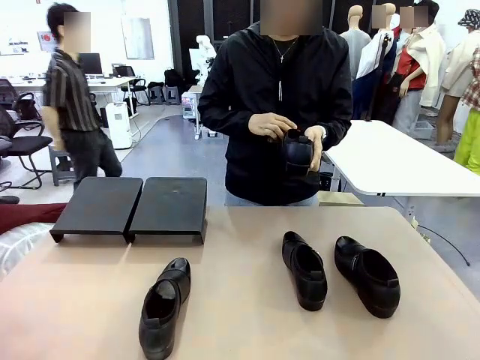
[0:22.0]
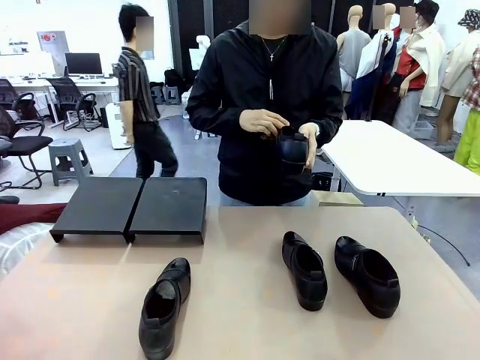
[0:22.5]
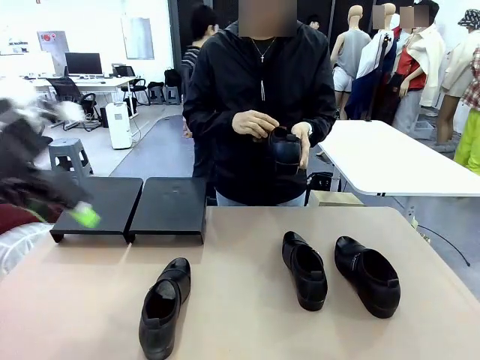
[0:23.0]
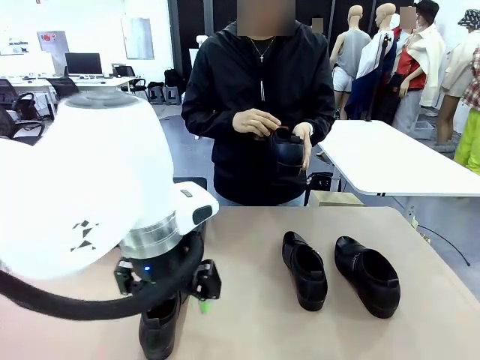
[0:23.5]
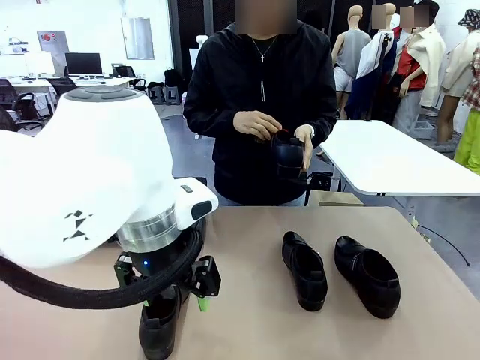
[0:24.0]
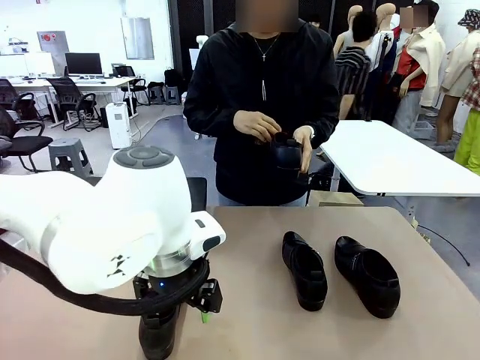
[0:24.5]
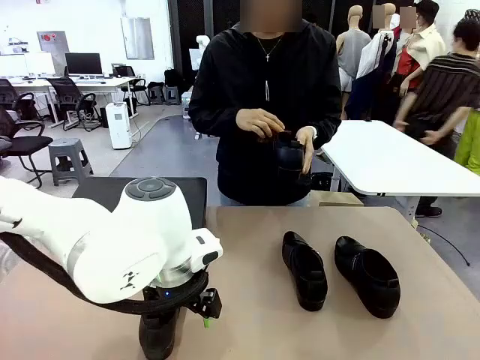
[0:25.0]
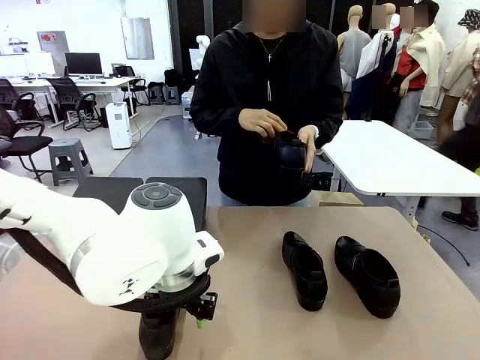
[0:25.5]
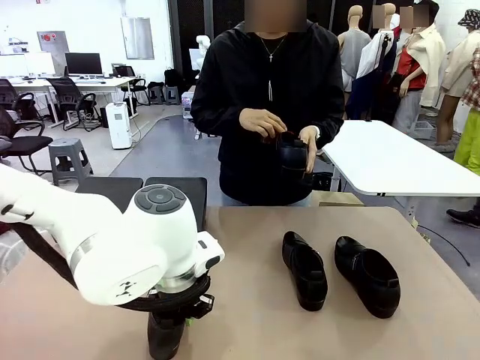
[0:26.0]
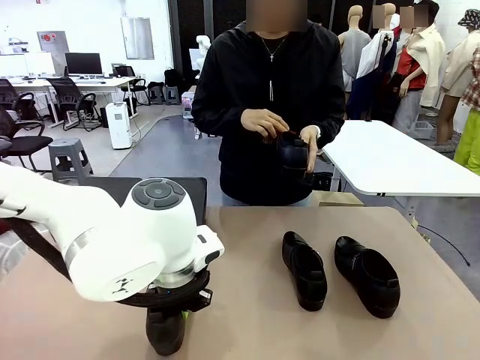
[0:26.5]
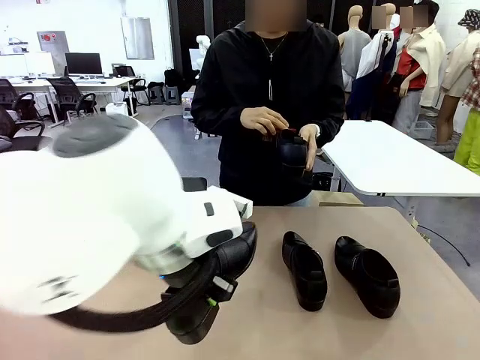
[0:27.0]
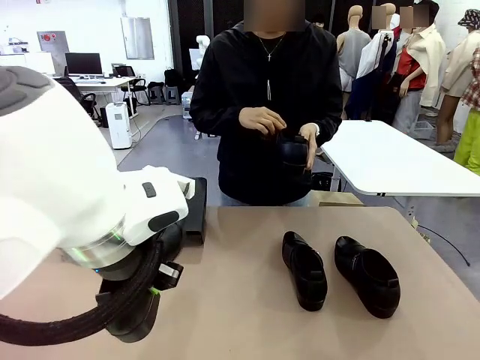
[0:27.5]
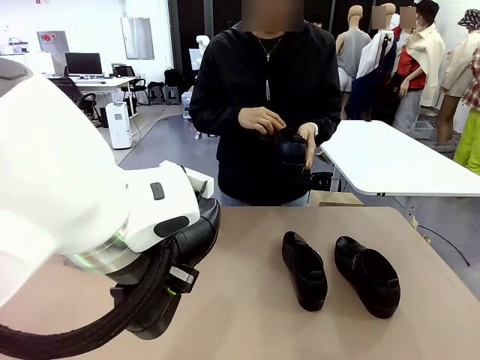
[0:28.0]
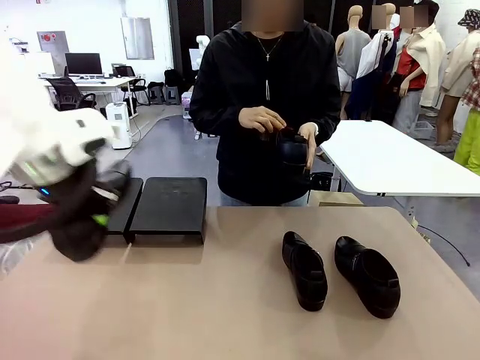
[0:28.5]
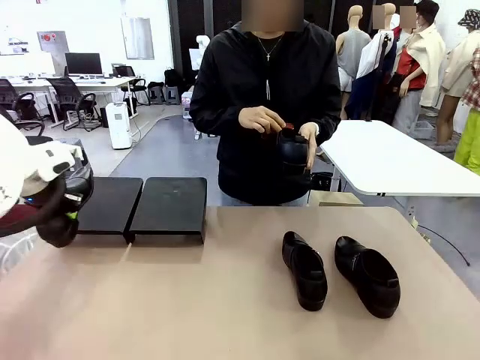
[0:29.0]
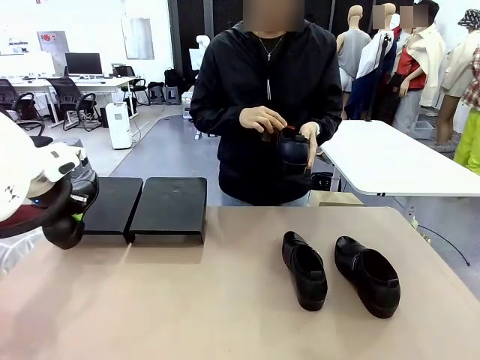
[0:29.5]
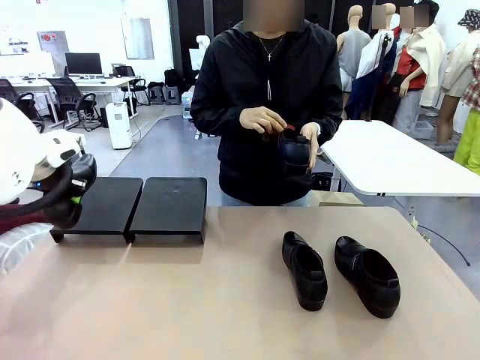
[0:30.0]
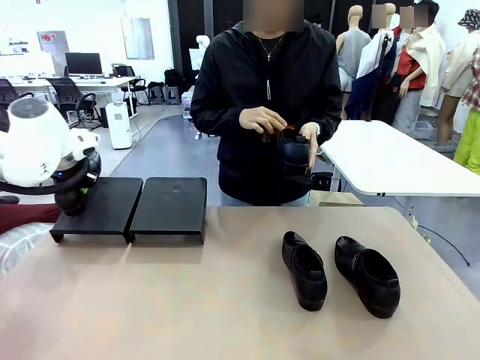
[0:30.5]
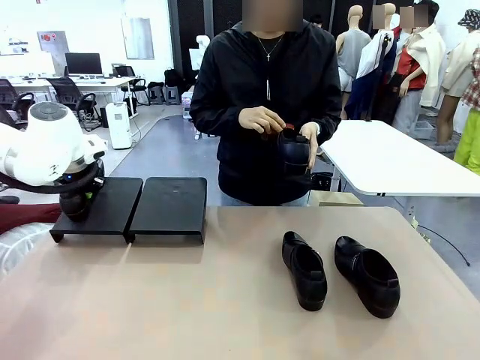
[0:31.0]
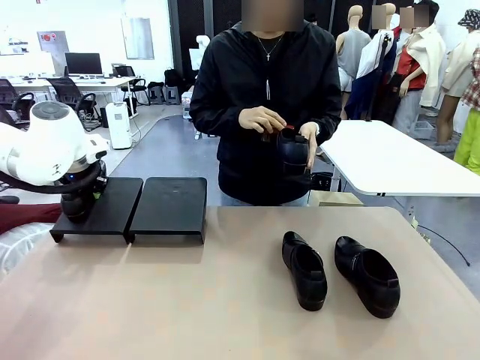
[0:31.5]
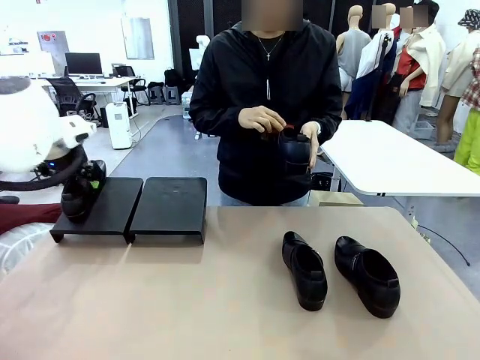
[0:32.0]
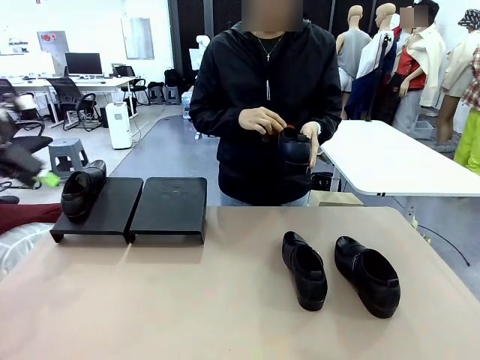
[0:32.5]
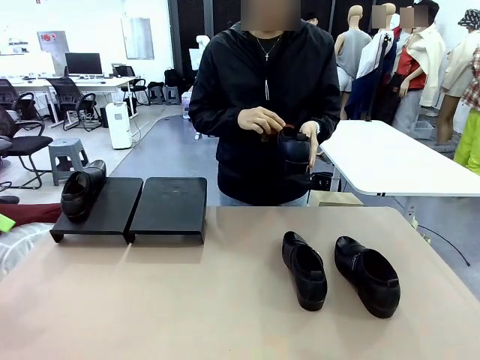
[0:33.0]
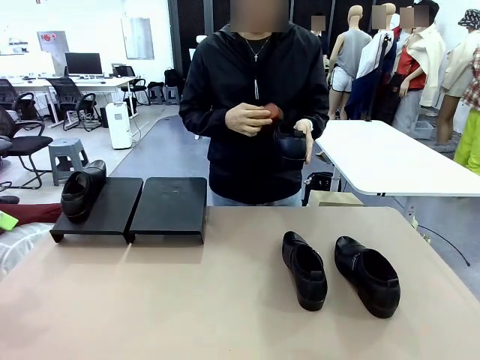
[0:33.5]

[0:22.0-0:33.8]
Task: Organize the shoes by placing them on the stand.
Robot: Place the Shoe from the middle of the table onto the Shoes Stand.
Person: Clean the Shoe with the Shoe Brush.

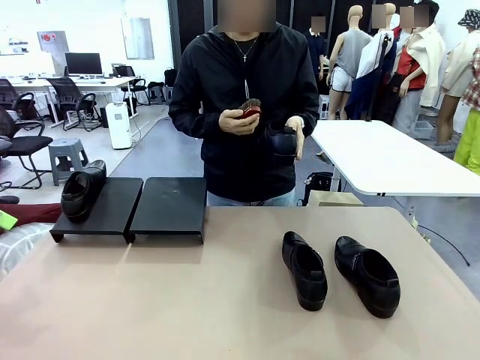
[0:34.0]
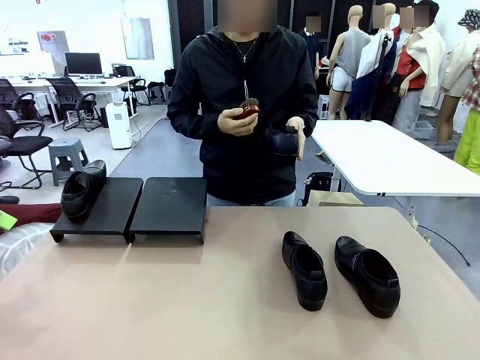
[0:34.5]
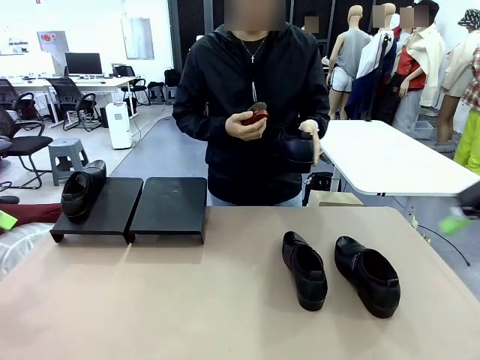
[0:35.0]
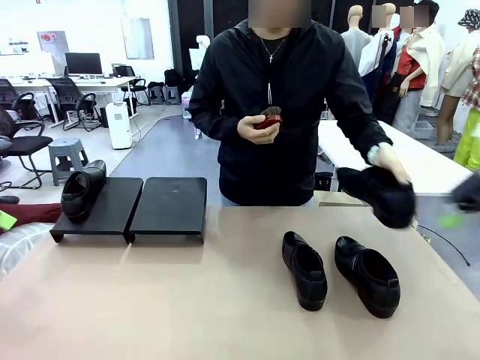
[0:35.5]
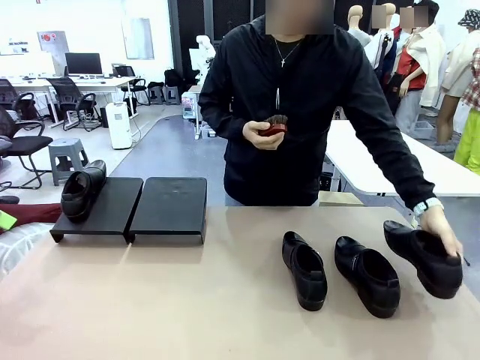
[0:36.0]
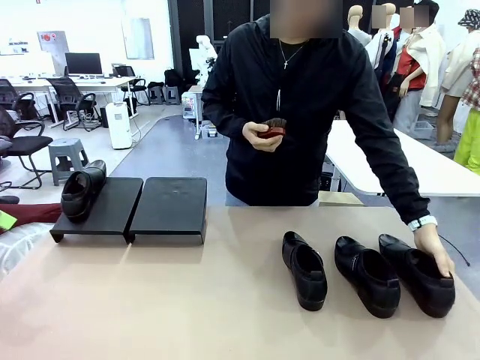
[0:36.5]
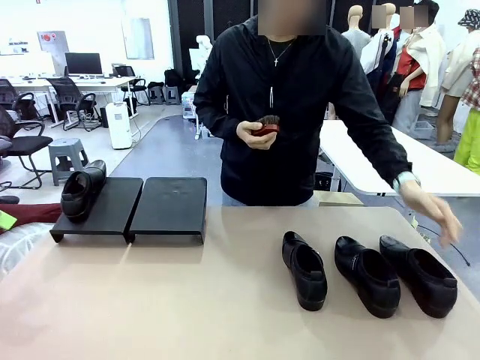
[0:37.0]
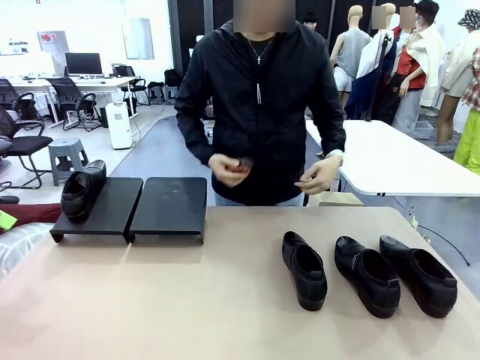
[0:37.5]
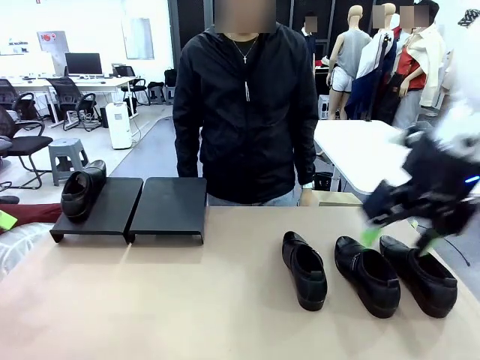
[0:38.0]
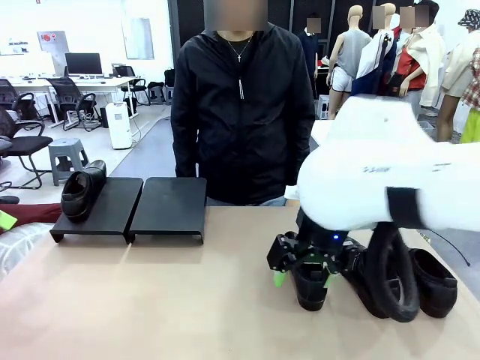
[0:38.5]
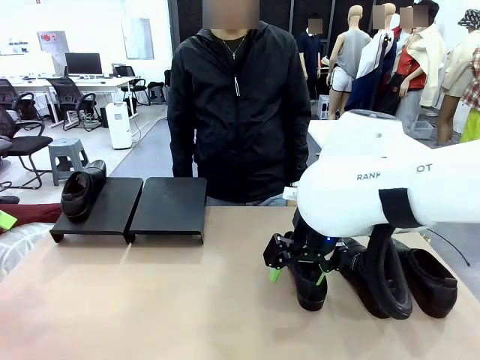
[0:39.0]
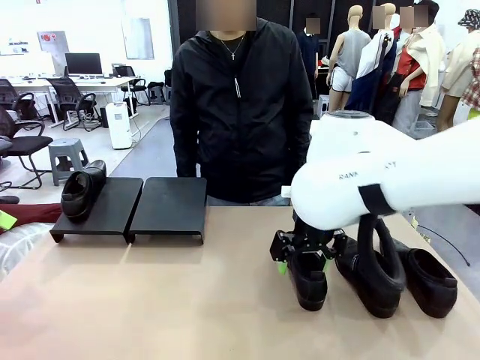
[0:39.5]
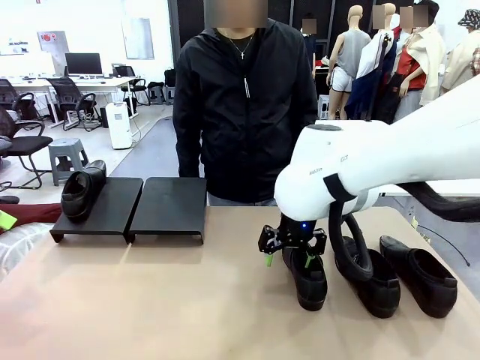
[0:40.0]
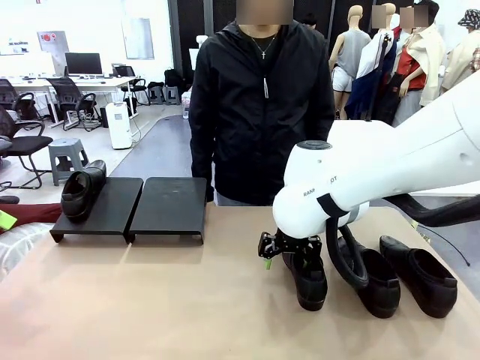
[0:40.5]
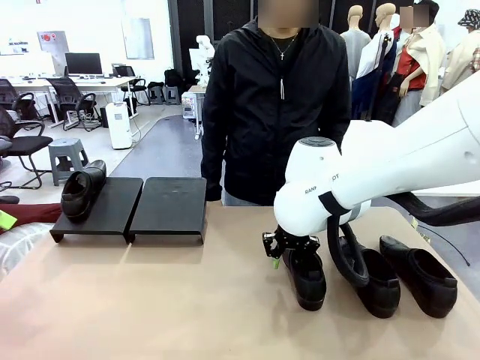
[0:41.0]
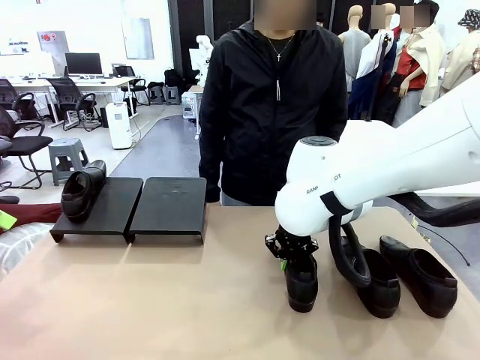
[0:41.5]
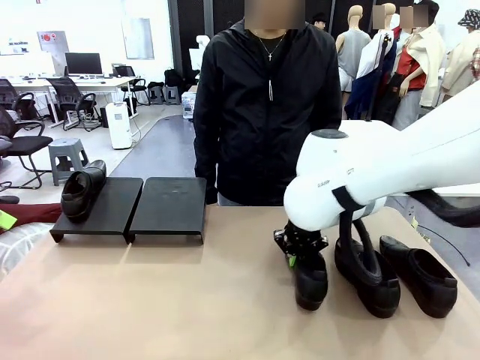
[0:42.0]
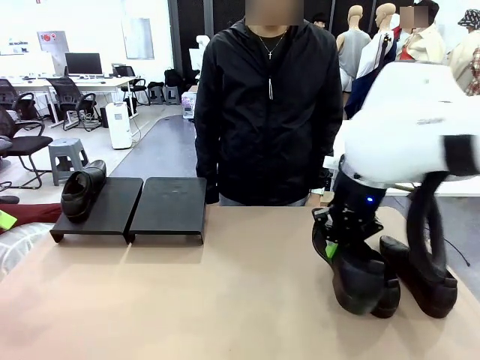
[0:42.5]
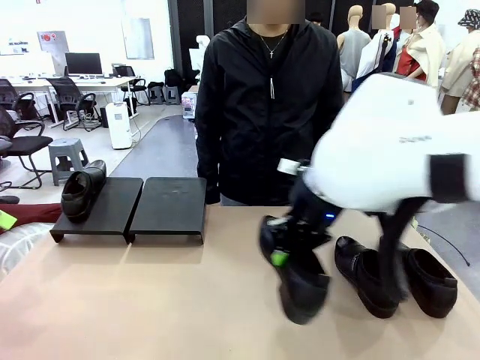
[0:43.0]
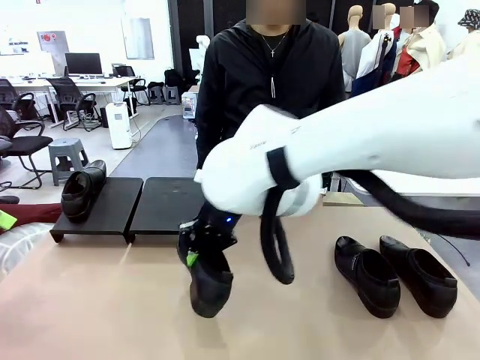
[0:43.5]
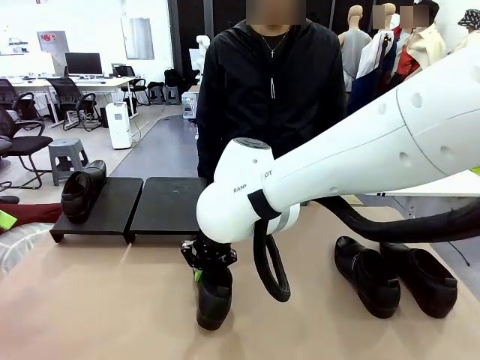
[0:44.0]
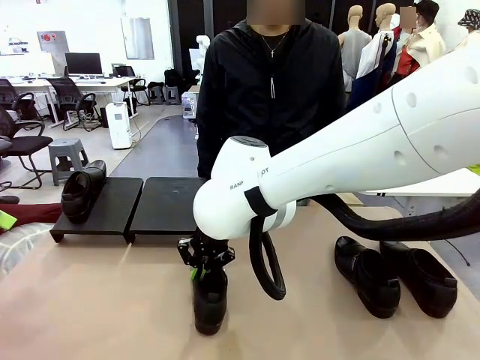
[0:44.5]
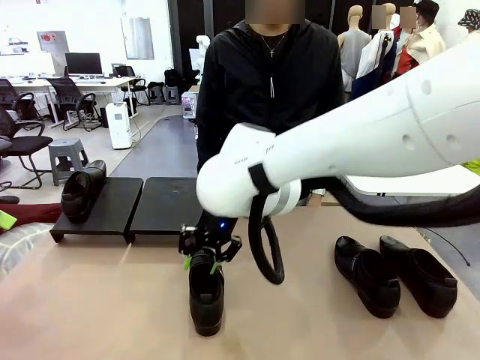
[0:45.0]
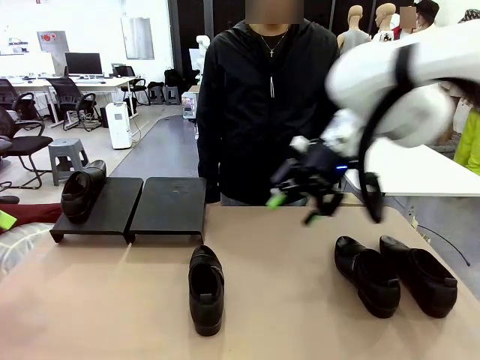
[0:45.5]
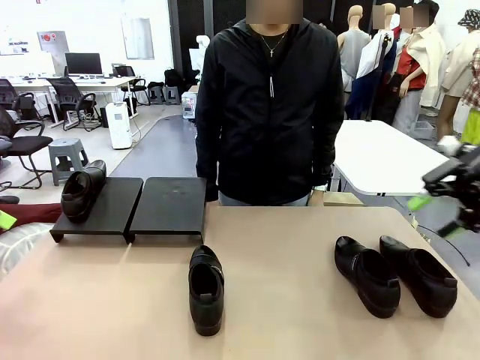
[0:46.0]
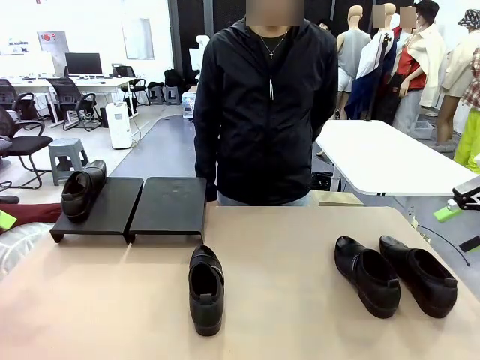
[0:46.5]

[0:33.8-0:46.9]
Robot: Pick up one Shoe and place it in the middle of the table.
